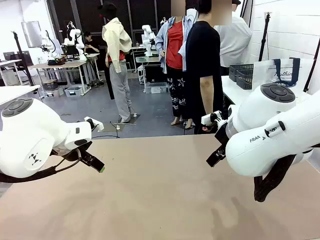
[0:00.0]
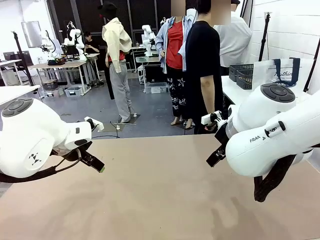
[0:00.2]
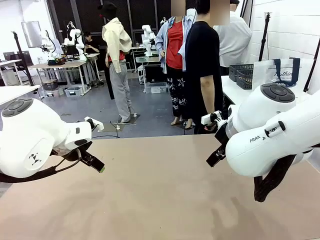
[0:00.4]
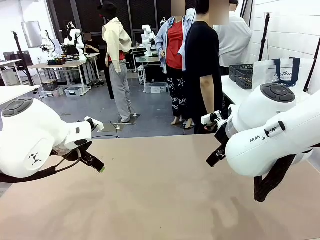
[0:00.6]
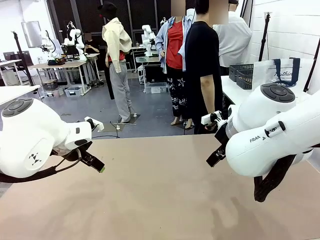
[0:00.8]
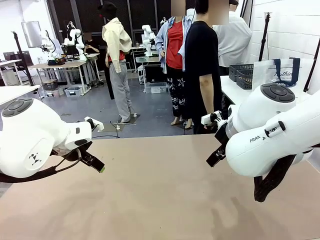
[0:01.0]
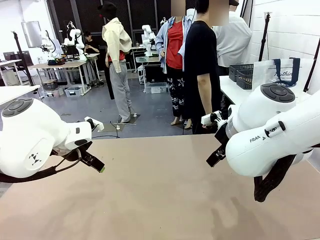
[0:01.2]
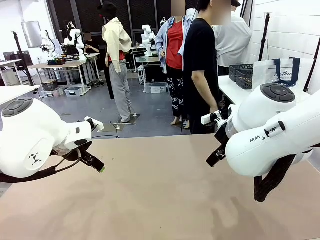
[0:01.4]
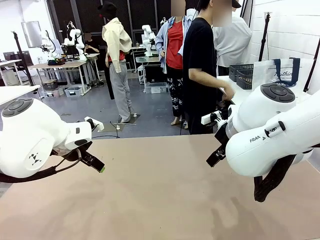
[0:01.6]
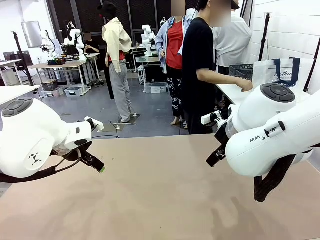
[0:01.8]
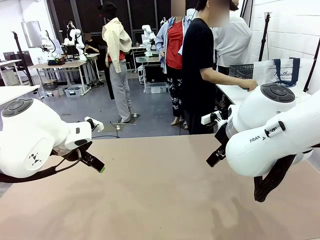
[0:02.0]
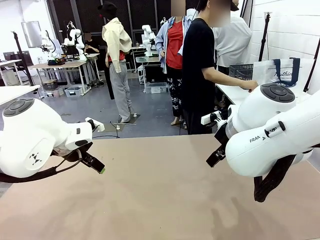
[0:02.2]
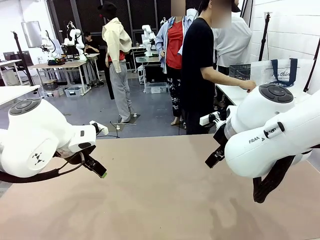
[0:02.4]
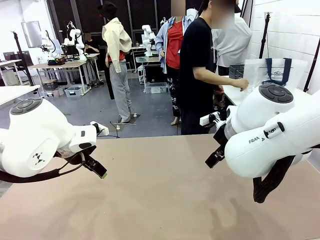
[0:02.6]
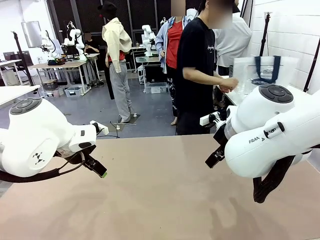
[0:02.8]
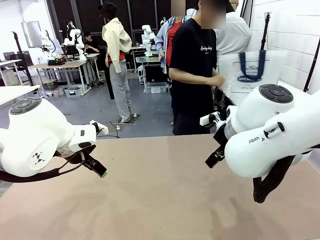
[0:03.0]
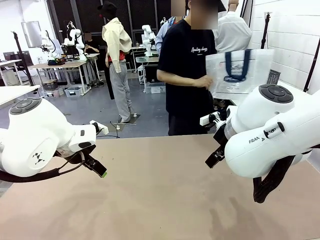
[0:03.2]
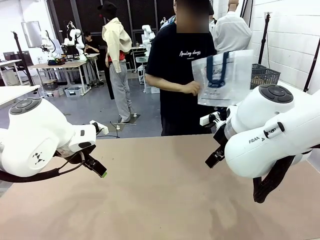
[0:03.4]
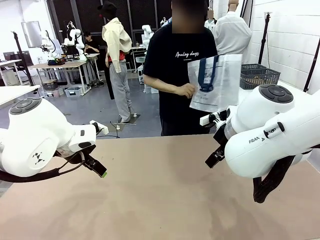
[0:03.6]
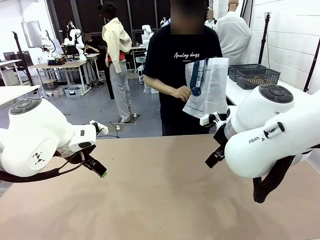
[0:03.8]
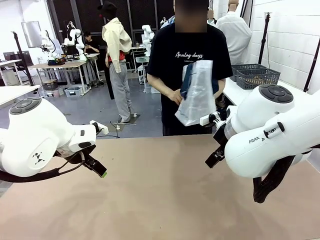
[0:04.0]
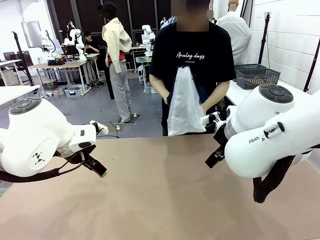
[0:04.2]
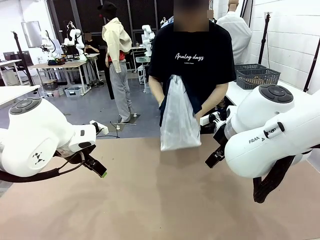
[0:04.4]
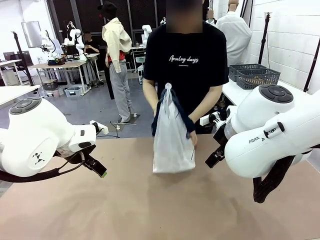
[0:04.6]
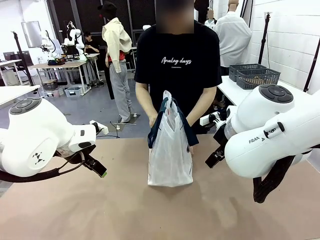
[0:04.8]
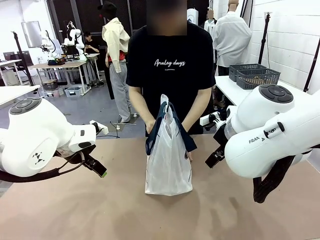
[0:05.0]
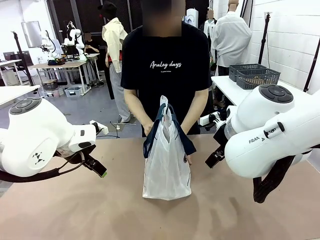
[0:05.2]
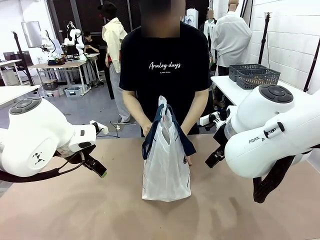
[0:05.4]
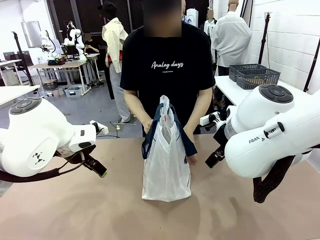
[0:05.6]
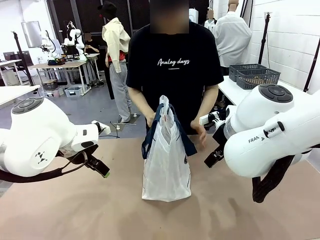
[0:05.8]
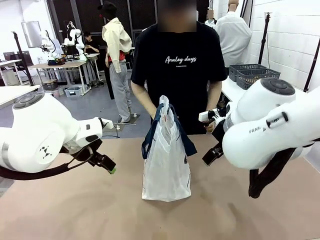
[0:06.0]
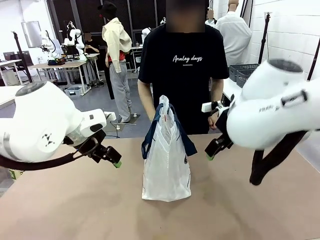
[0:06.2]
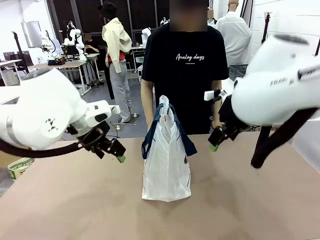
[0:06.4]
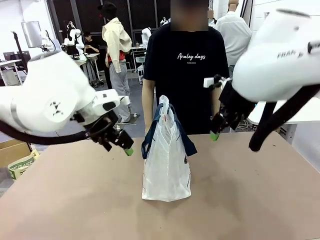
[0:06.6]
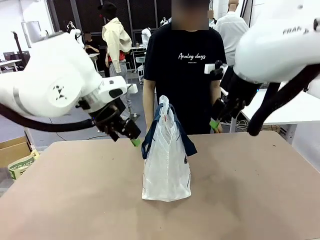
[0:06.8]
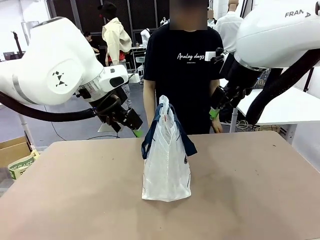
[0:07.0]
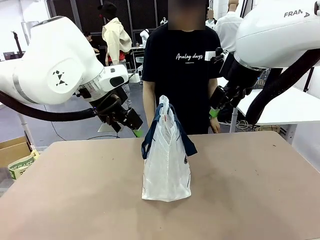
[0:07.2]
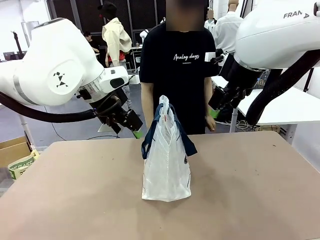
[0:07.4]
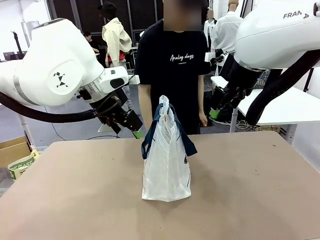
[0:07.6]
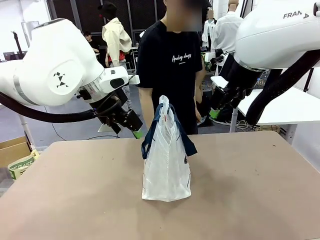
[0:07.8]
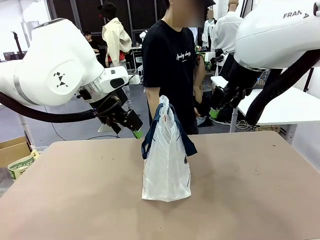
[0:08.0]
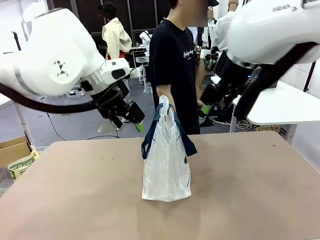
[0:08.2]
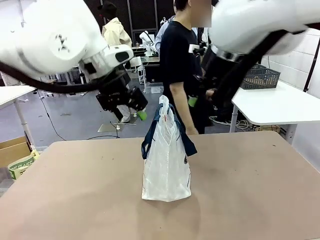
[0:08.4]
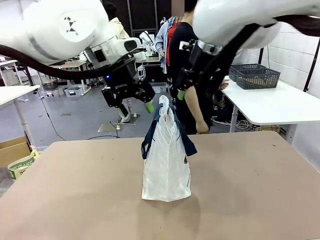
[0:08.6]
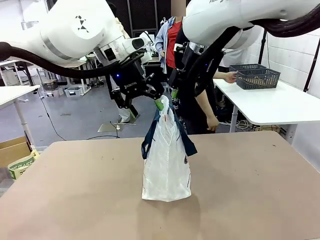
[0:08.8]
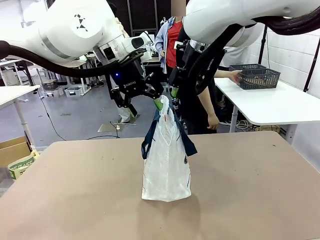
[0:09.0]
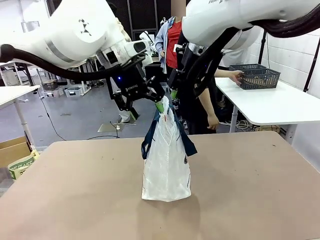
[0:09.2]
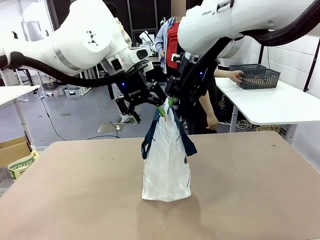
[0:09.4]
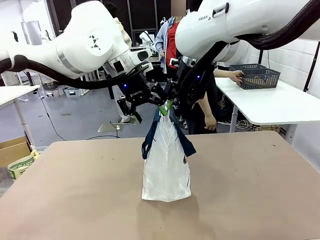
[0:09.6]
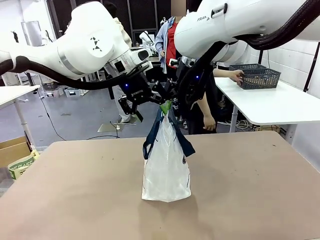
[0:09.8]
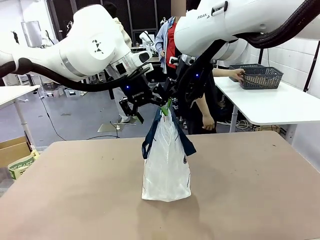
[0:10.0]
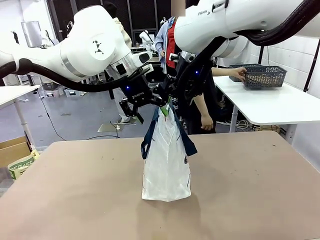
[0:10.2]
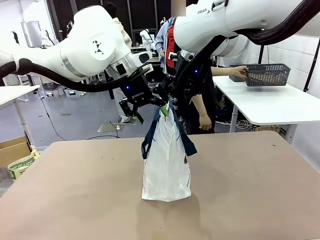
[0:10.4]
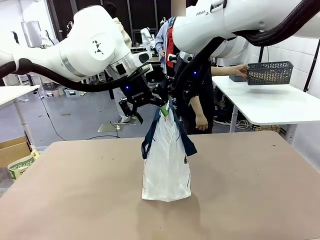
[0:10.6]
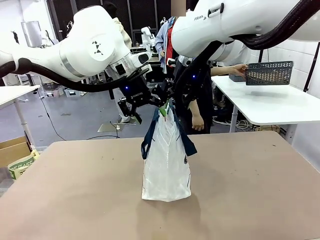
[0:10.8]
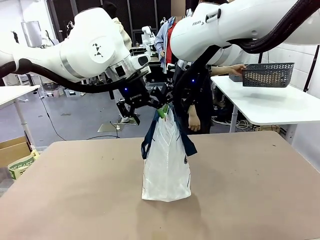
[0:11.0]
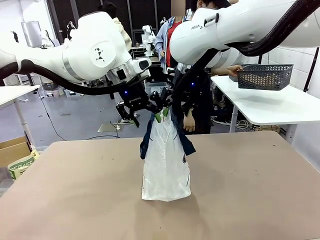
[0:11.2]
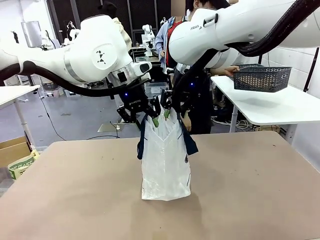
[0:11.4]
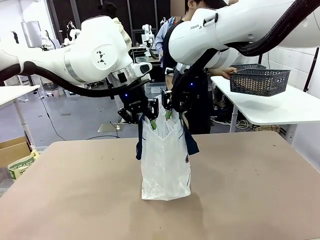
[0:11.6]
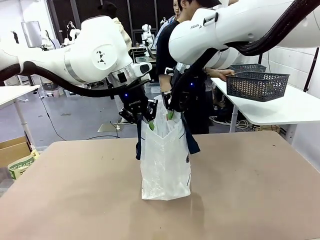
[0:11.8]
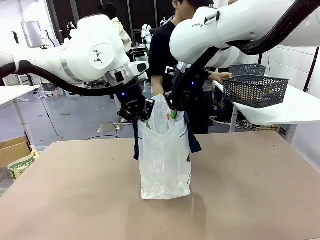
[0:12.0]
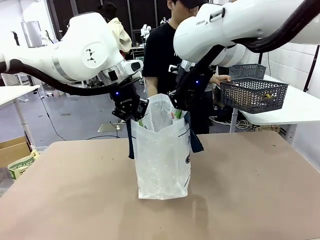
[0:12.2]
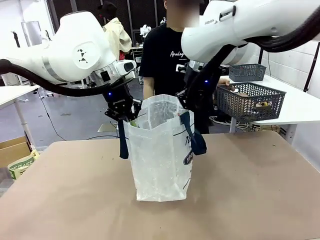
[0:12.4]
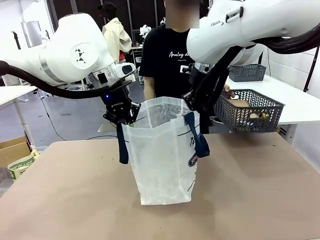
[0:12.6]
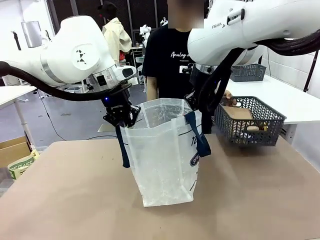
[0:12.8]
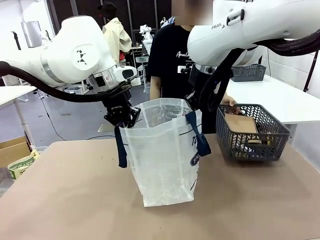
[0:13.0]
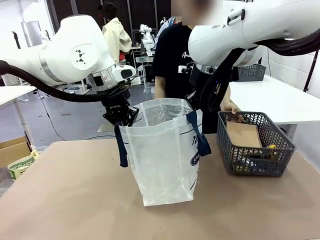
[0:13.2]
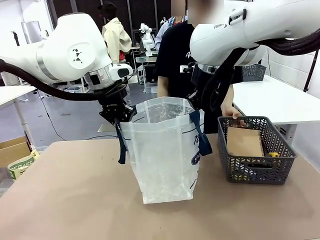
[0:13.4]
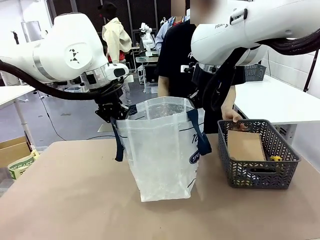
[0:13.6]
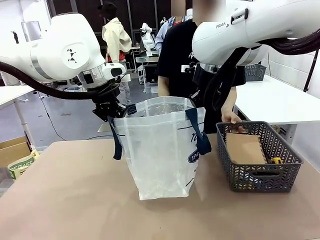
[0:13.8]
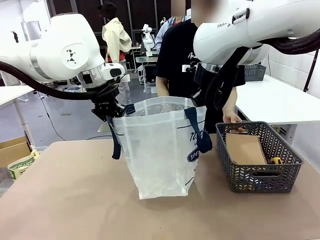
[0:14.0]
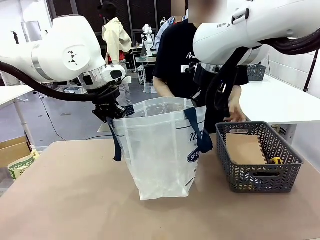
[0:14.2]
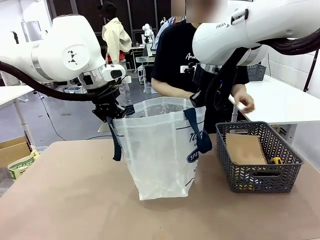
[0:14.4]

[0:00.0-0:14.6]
Task: Transfer purchased items from the store into the shopping bag.
Robot: Open the Reusable shopping bag in the center of the table.
Person: Pick up the shopping bag and place it in the middle of the robot table.
